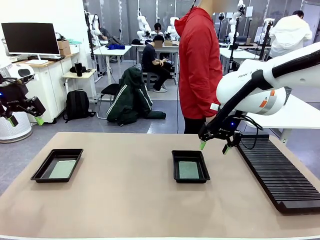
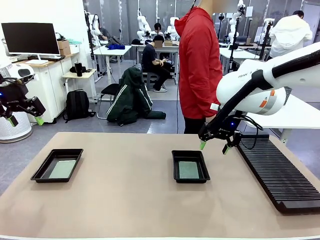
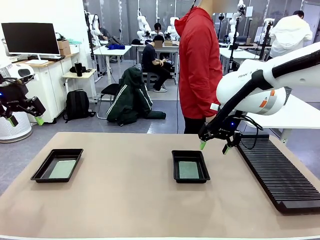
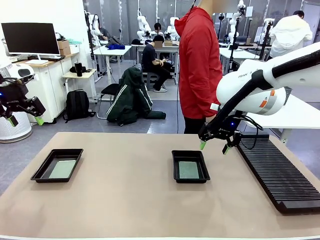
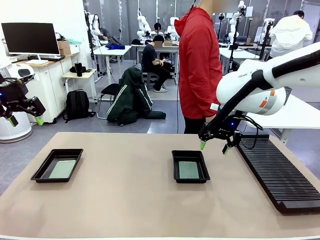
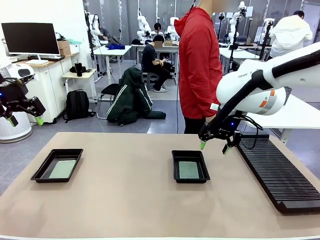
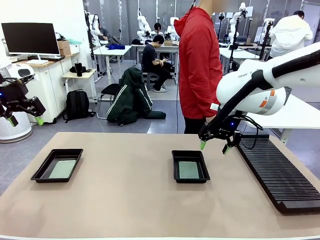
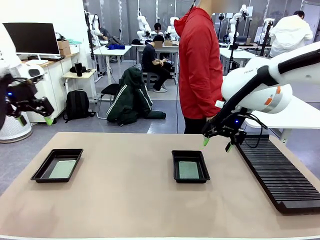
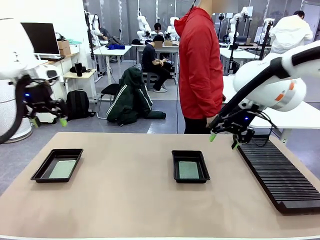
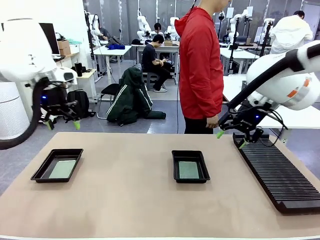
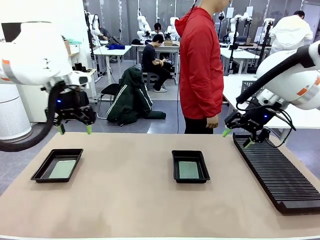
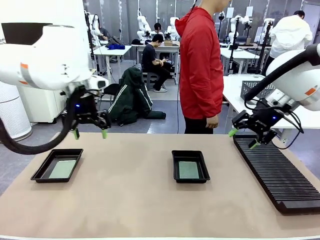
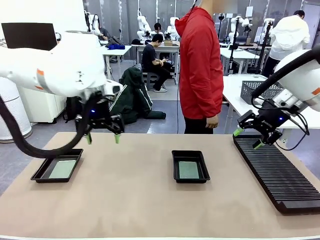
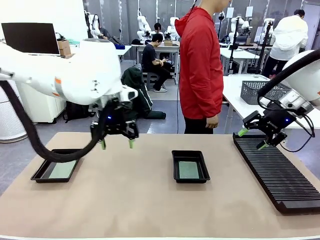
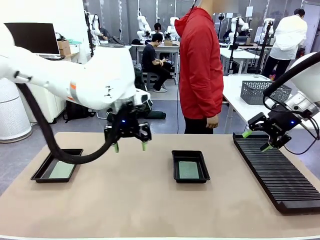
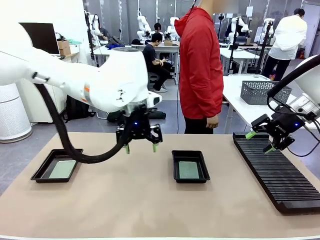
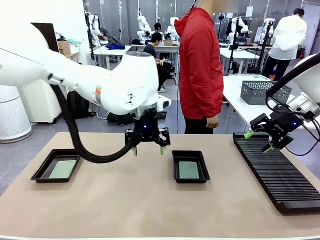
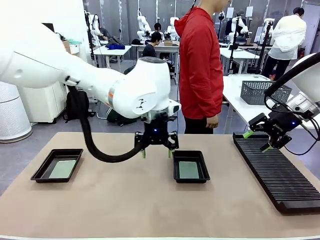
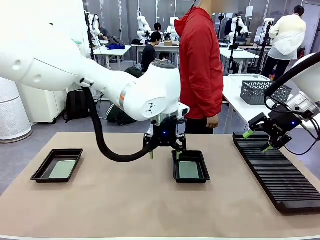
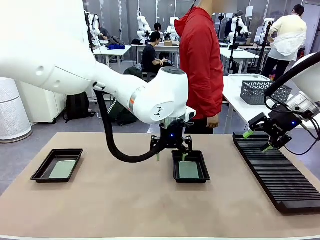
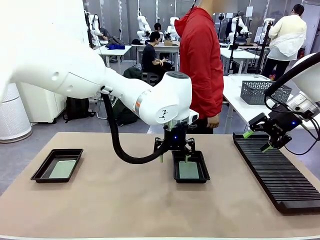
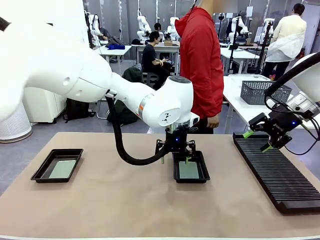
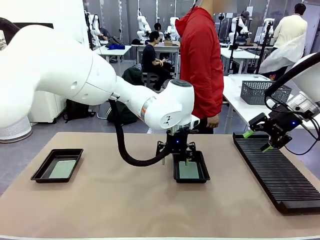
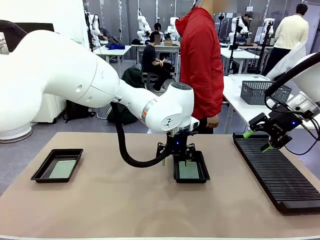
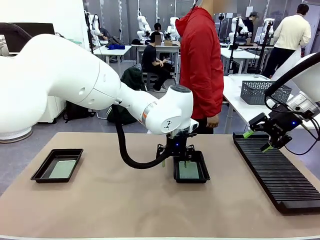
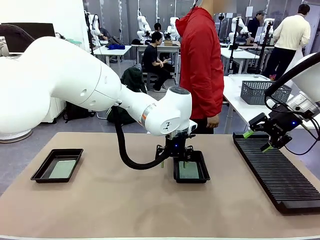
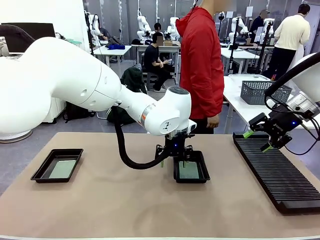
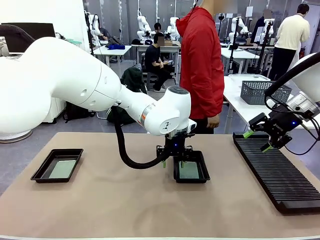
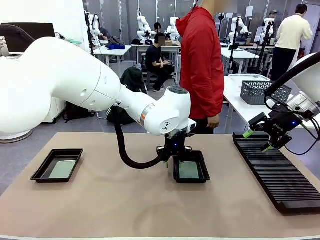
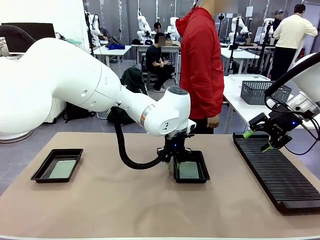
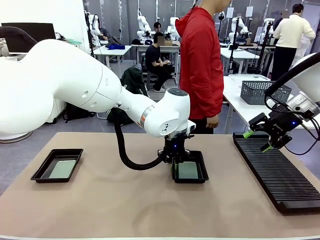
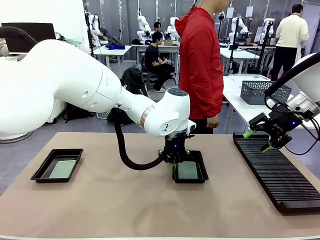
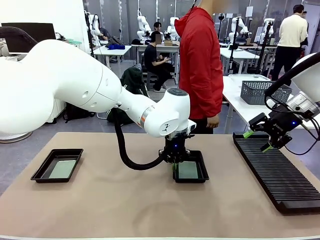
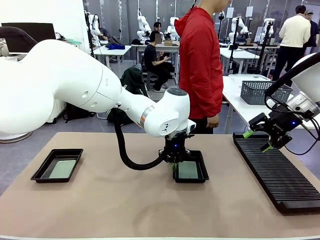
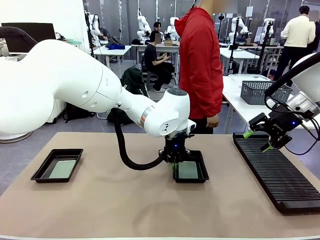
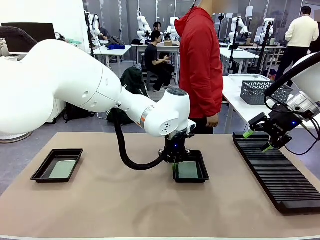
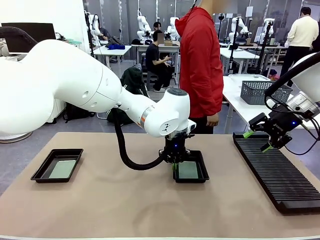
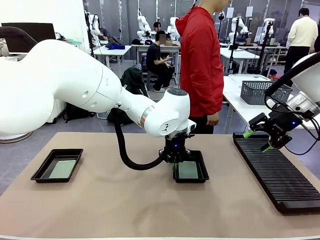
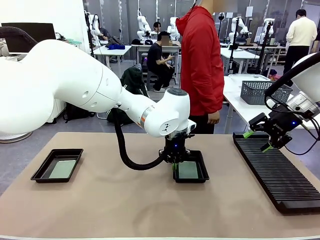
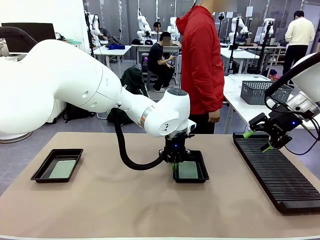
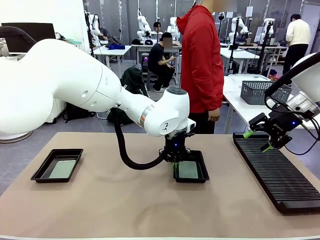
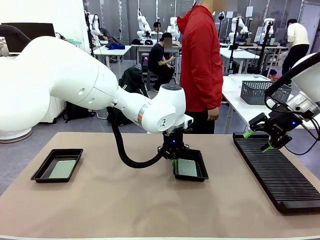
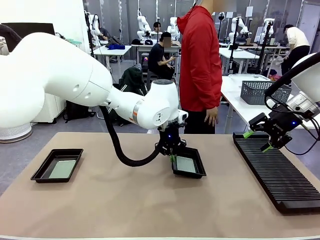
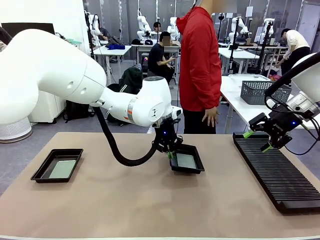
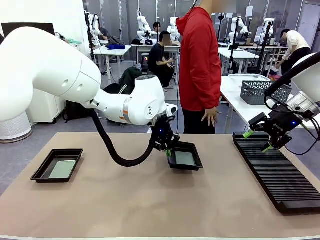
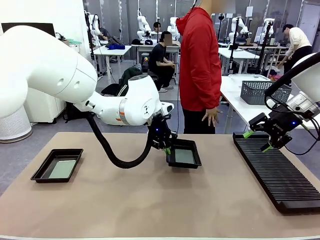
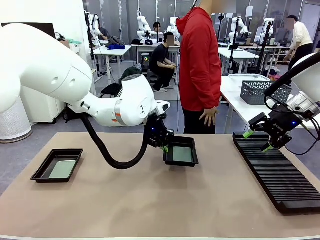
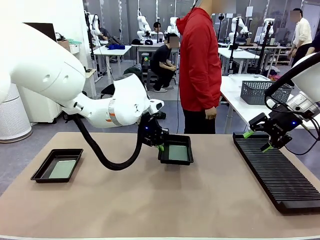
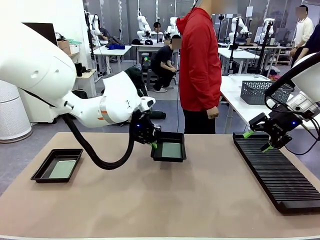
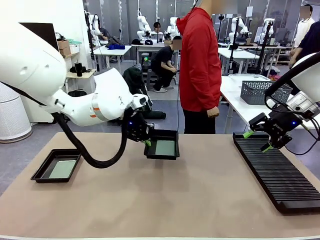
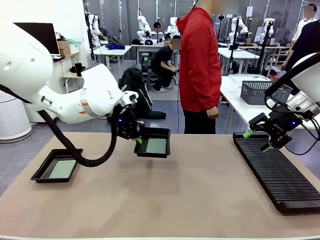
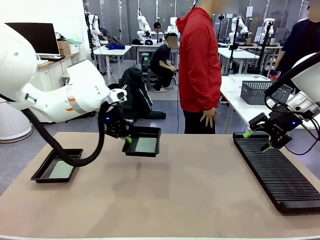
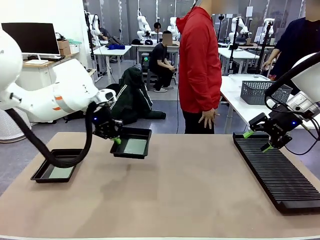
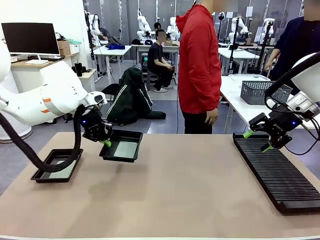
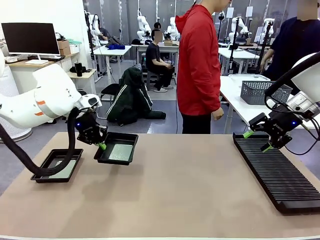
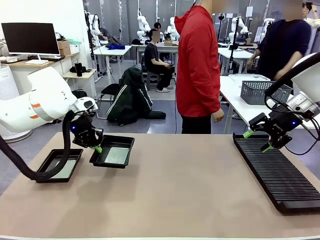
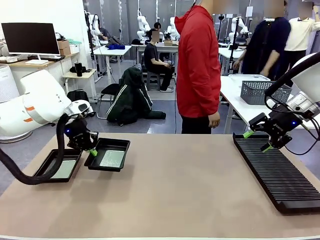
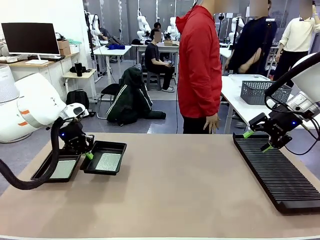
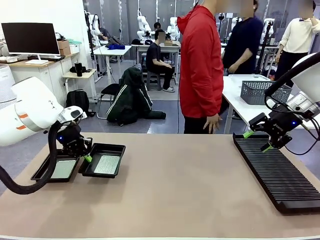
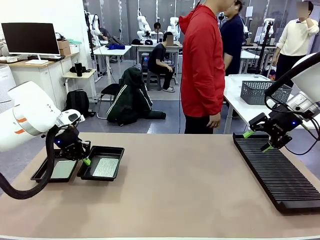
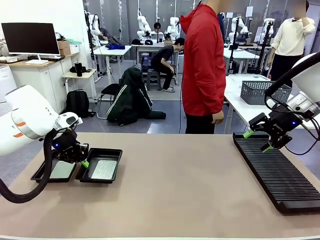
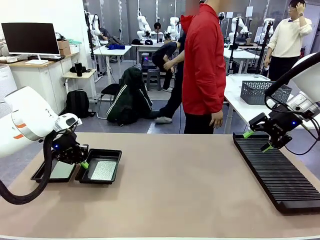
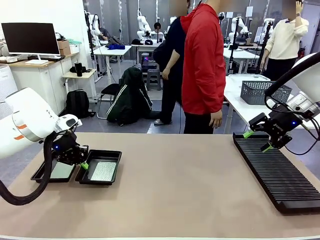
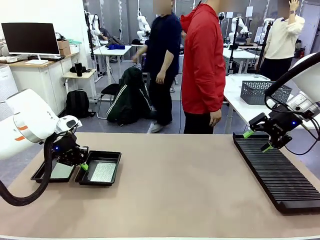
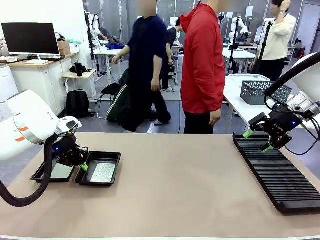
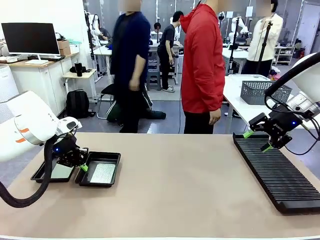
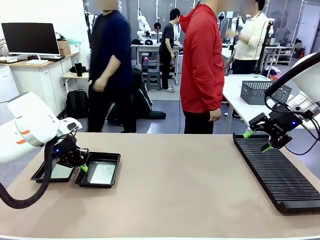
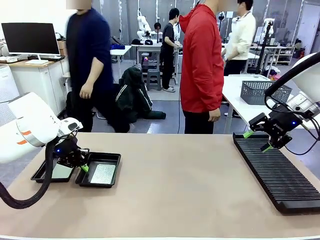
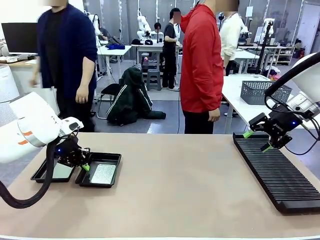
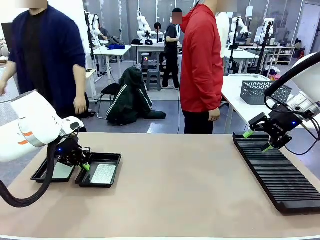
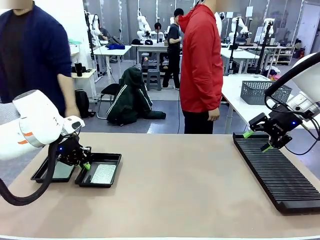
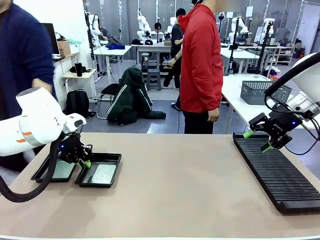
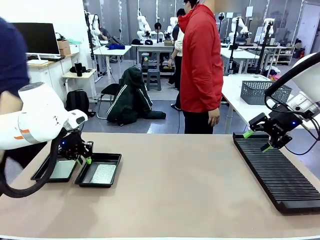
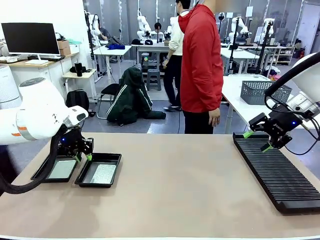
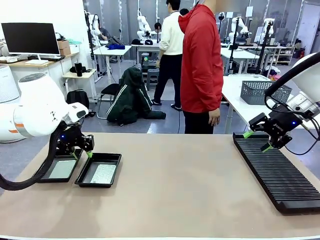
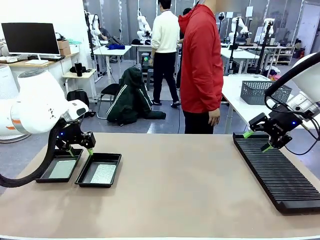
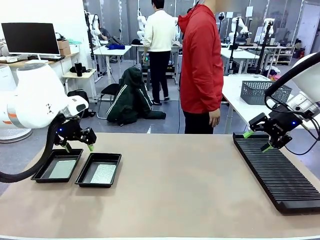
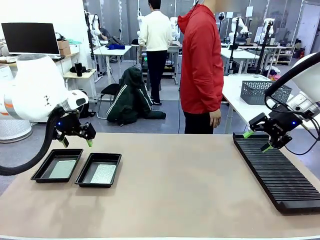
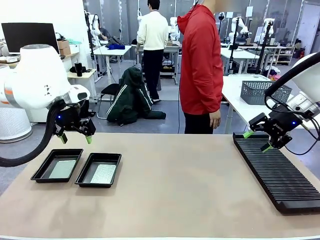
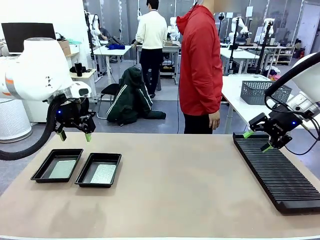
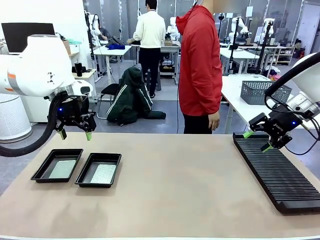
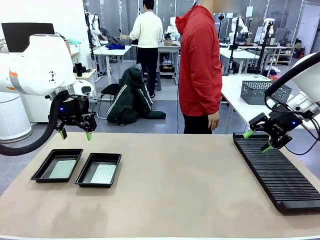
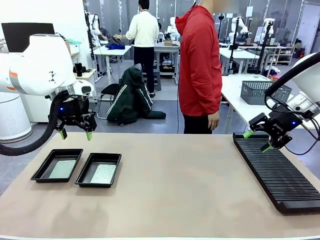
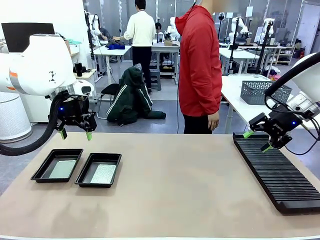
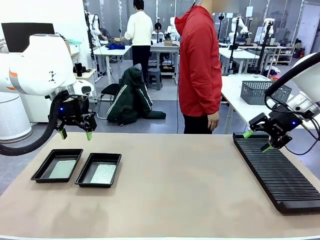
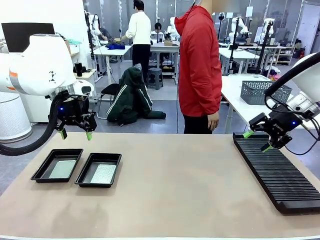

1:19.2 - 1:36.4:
Task: Inspect and transfer BCBs to ESD trays.
Robot: Pick up the ESD tray and place it on the left side of the table.

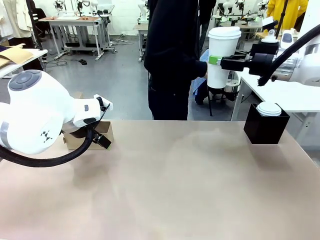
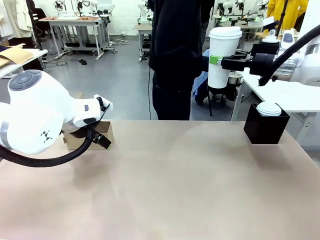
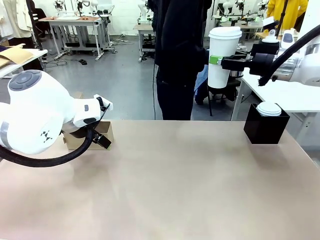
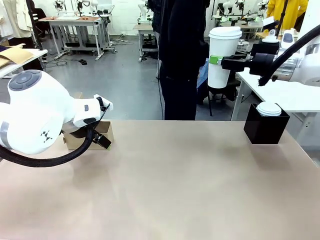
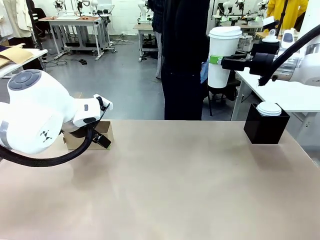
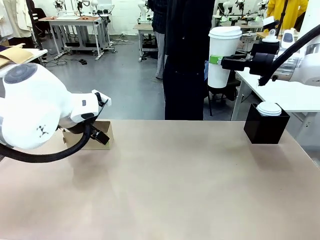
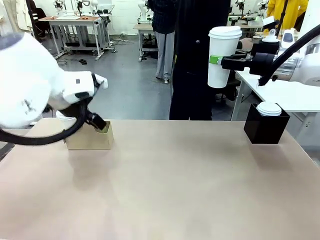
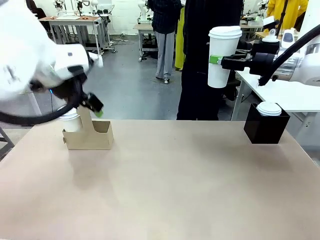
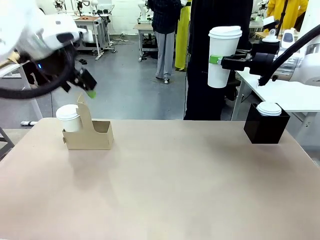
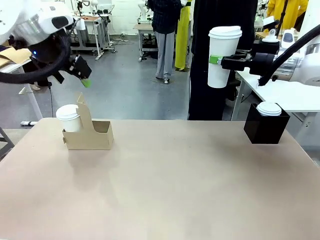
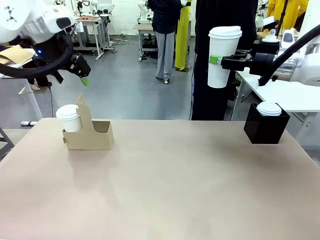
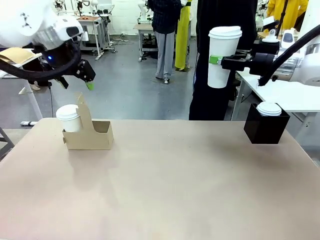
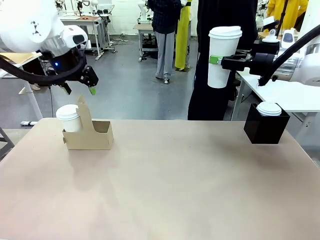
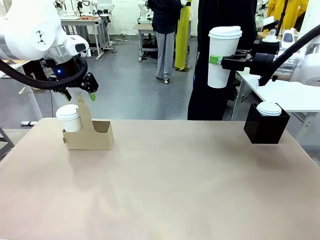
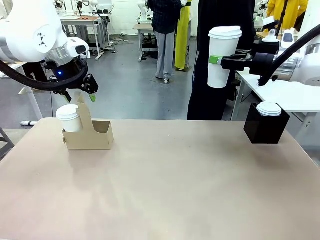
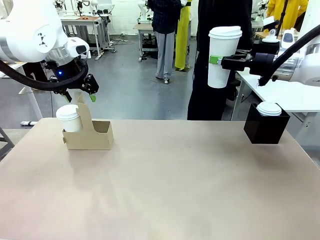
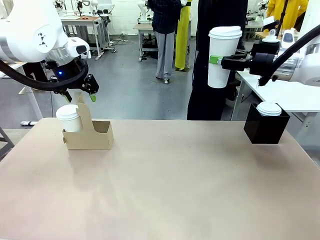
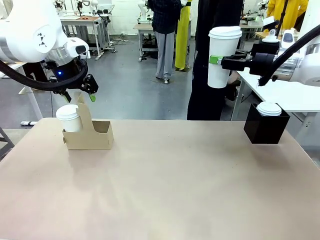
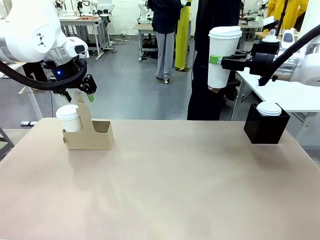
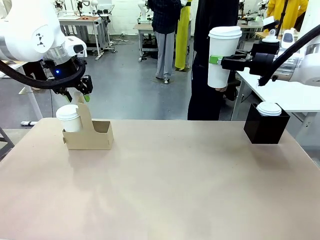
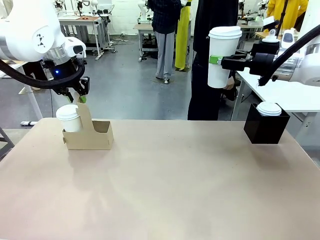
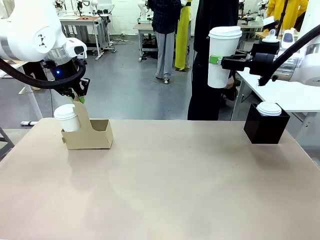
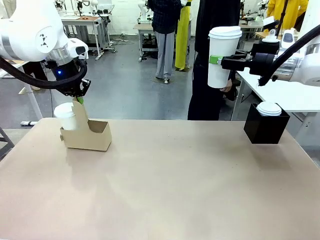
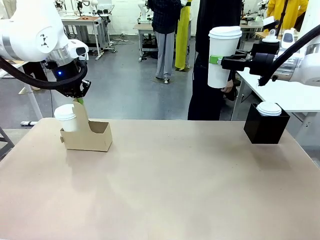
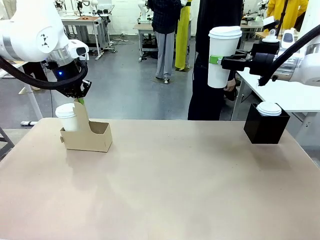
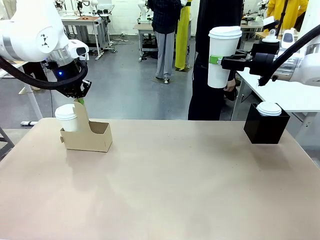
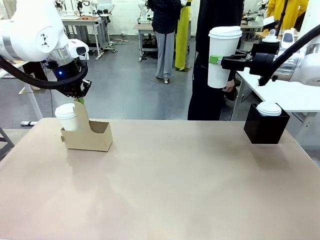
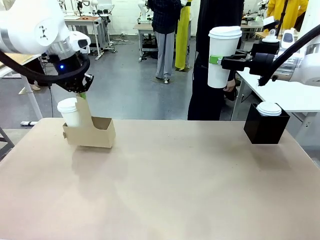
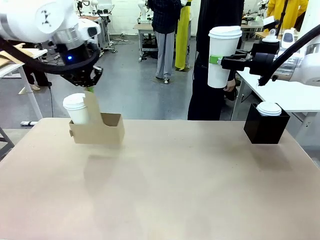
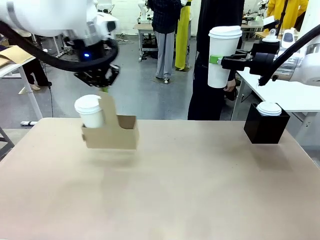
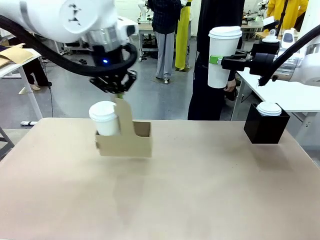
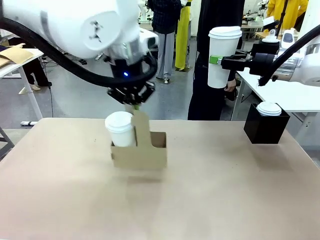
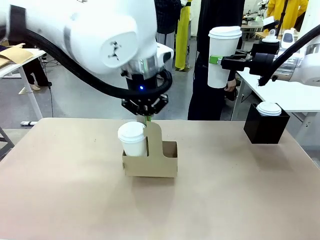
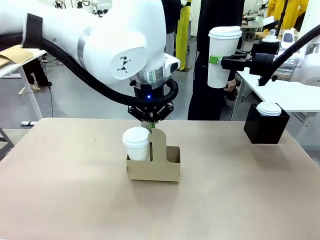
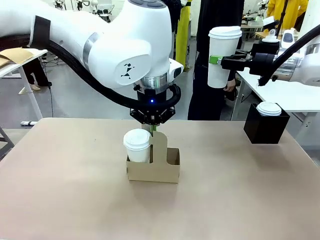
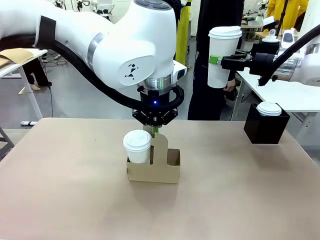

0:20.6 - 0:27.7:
Task: Pour a drink into a cup and package it in a carrier.
Robot: Position the Cup Carrier in the center of the table.
Person: Pick up the Filter Brewing and place on the middle of Human table, and return to the Robot table.
